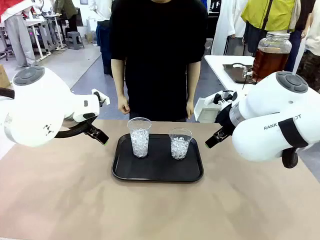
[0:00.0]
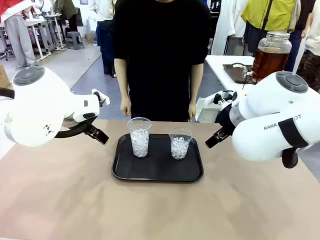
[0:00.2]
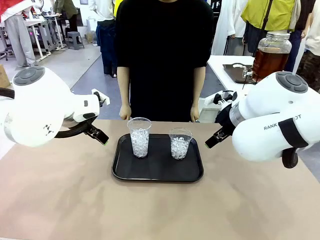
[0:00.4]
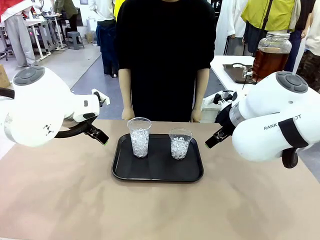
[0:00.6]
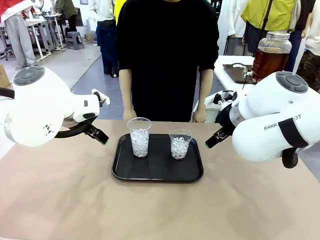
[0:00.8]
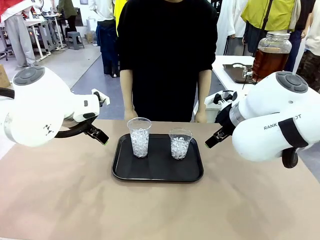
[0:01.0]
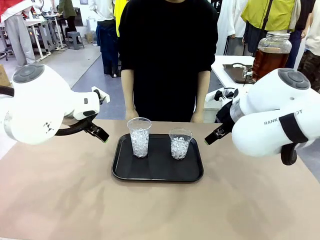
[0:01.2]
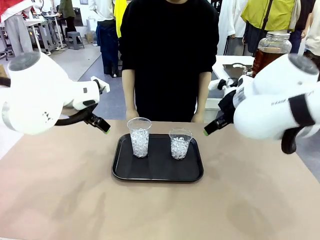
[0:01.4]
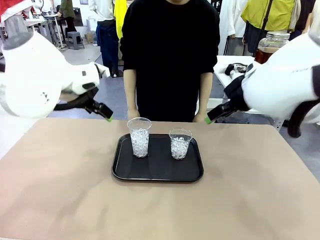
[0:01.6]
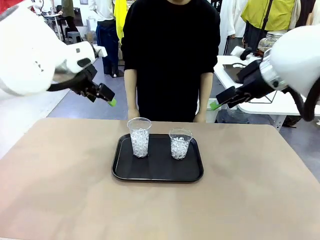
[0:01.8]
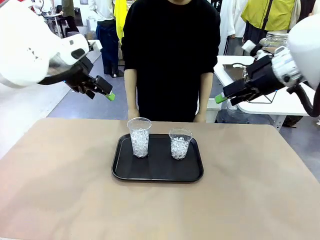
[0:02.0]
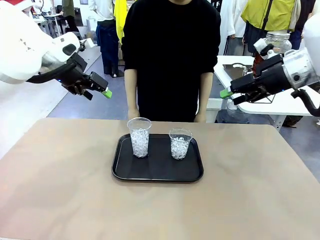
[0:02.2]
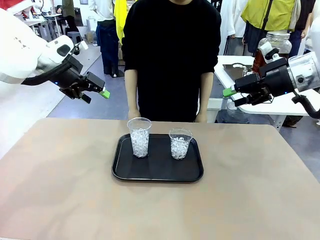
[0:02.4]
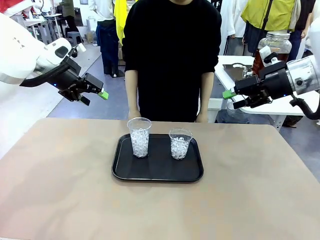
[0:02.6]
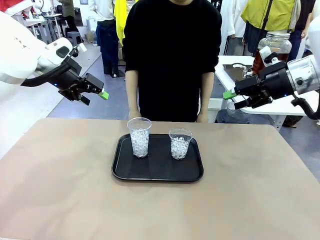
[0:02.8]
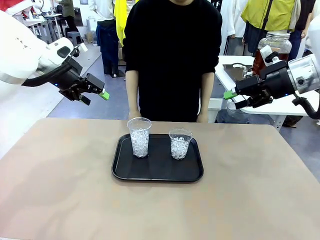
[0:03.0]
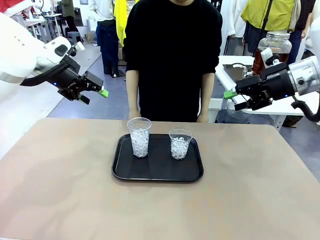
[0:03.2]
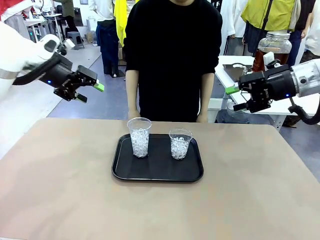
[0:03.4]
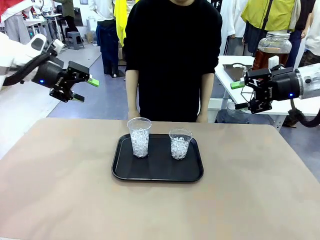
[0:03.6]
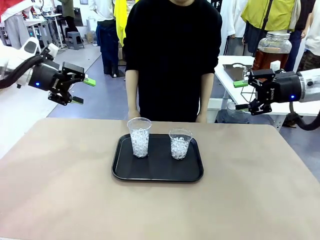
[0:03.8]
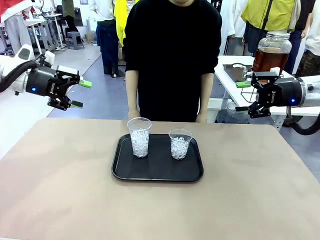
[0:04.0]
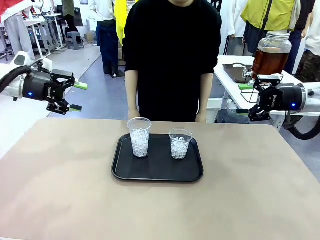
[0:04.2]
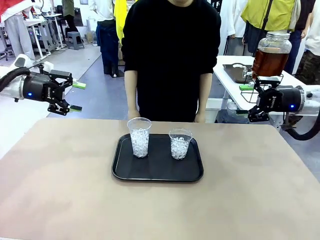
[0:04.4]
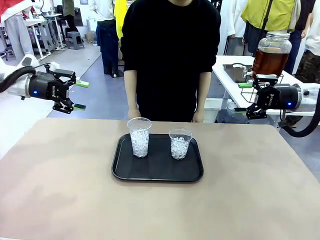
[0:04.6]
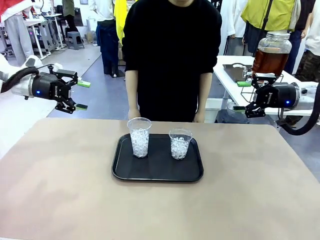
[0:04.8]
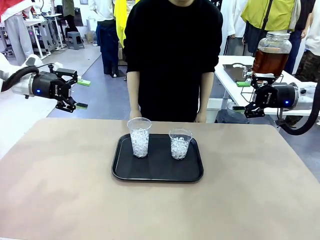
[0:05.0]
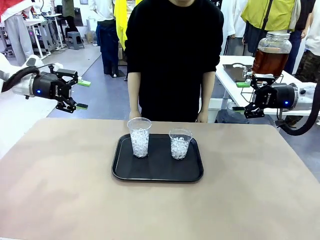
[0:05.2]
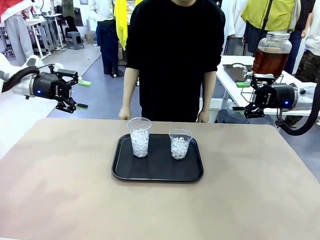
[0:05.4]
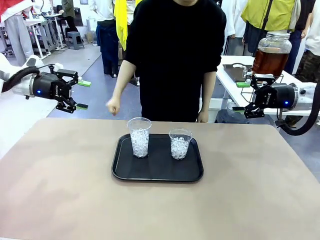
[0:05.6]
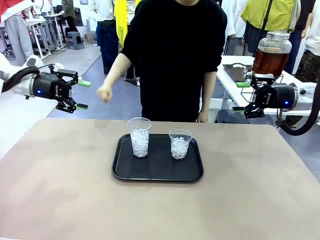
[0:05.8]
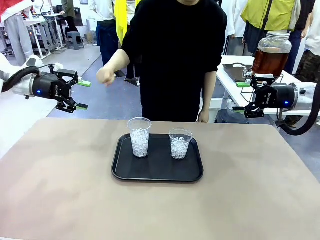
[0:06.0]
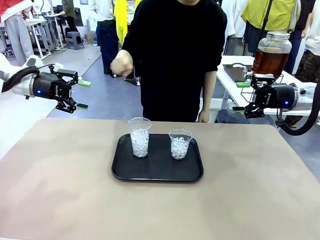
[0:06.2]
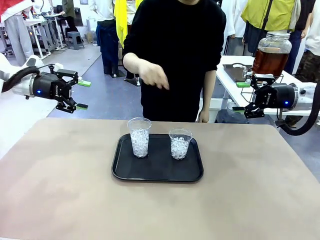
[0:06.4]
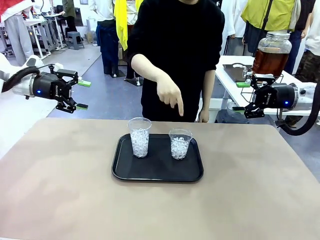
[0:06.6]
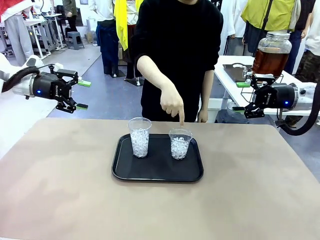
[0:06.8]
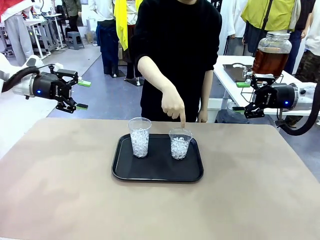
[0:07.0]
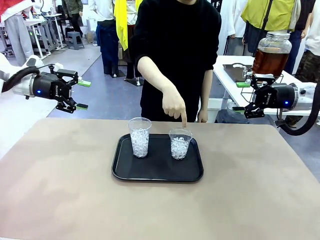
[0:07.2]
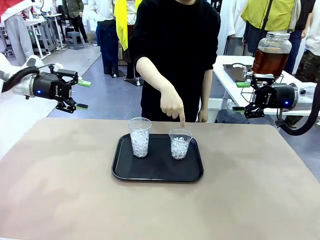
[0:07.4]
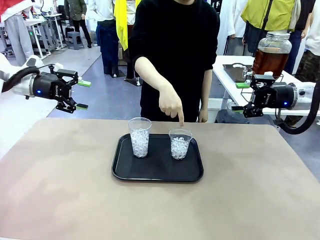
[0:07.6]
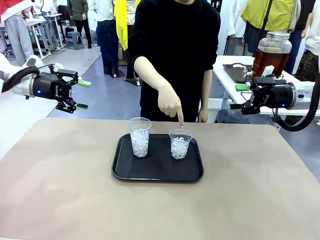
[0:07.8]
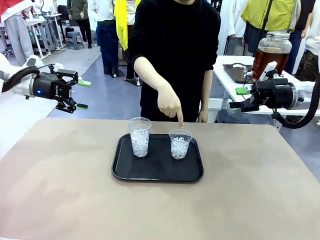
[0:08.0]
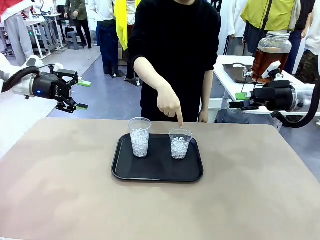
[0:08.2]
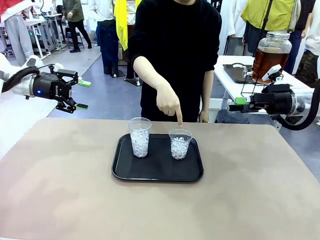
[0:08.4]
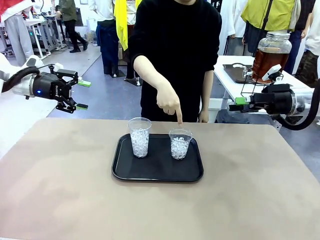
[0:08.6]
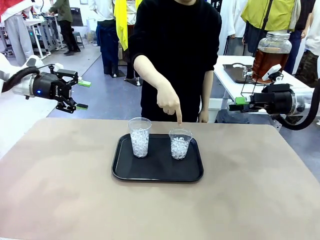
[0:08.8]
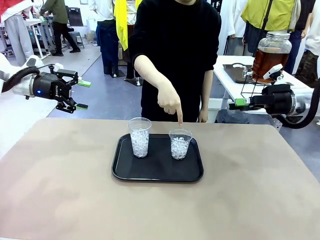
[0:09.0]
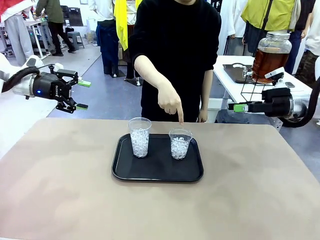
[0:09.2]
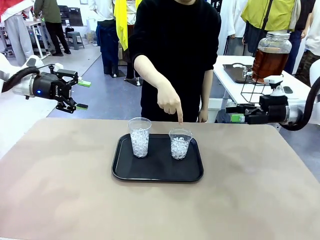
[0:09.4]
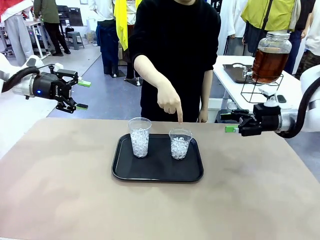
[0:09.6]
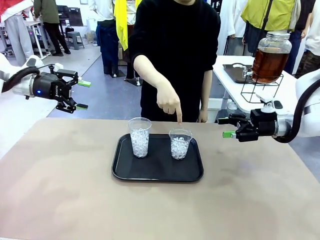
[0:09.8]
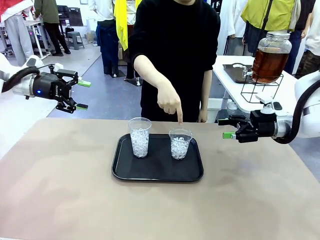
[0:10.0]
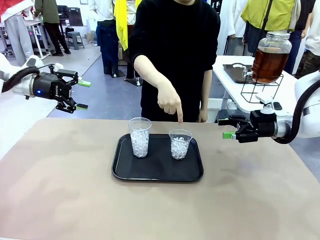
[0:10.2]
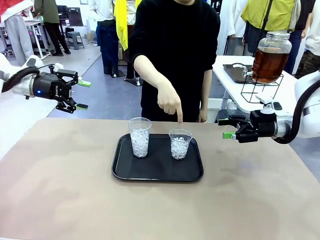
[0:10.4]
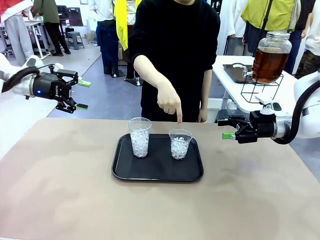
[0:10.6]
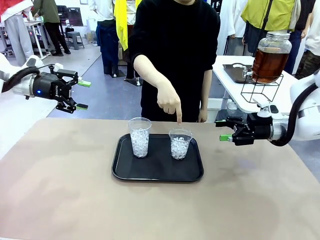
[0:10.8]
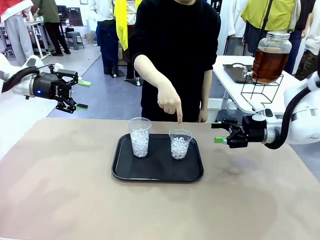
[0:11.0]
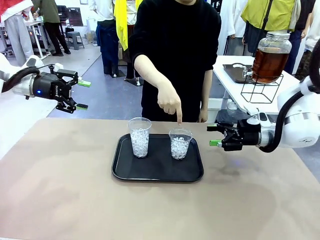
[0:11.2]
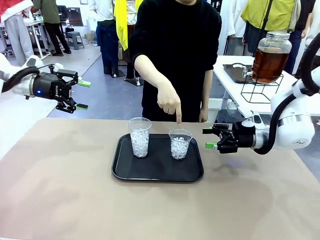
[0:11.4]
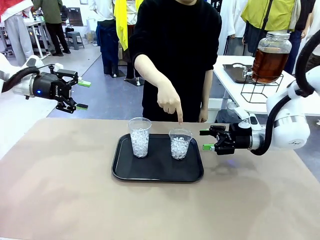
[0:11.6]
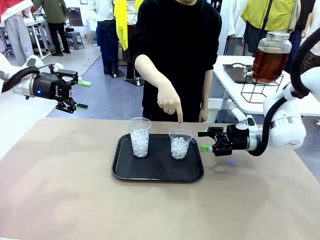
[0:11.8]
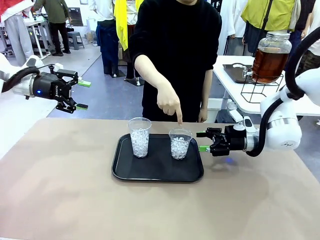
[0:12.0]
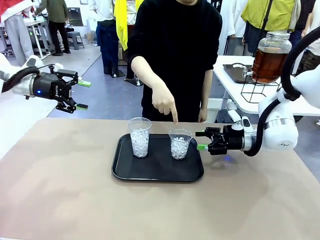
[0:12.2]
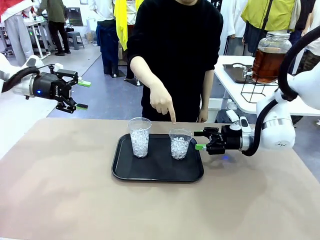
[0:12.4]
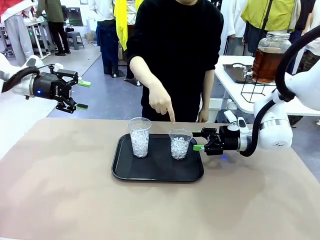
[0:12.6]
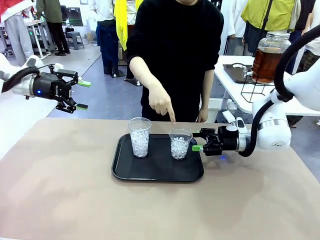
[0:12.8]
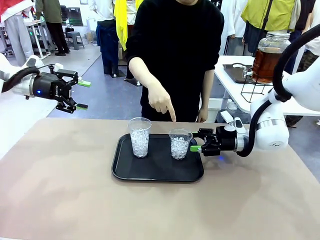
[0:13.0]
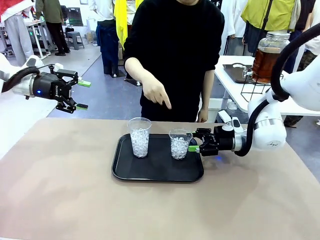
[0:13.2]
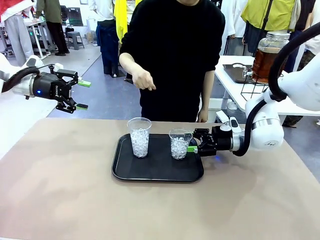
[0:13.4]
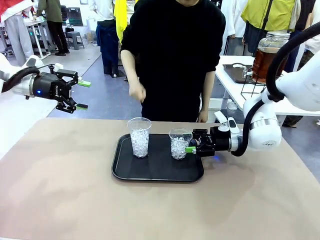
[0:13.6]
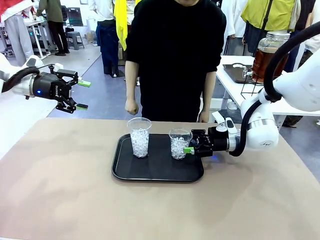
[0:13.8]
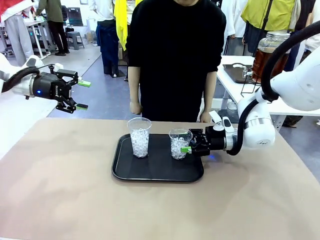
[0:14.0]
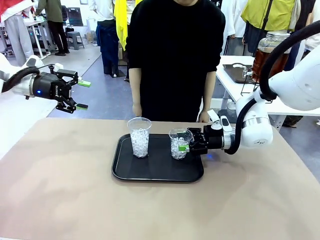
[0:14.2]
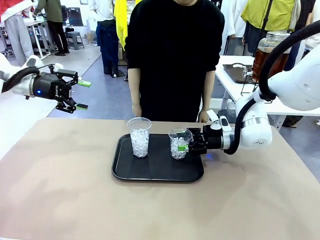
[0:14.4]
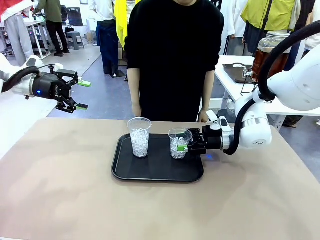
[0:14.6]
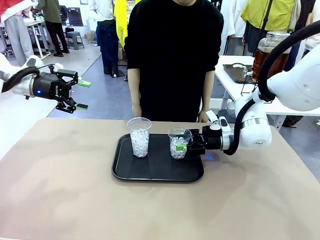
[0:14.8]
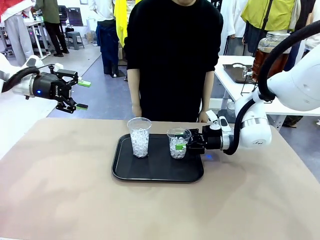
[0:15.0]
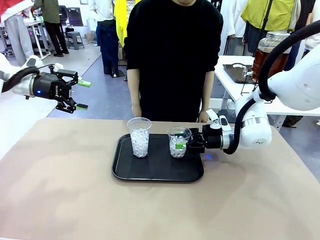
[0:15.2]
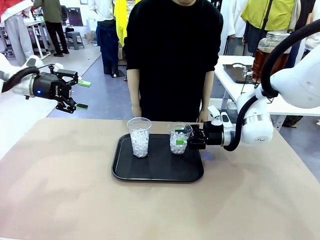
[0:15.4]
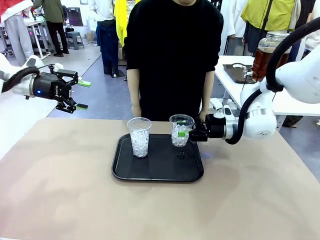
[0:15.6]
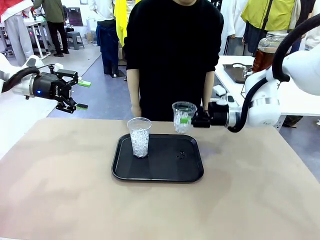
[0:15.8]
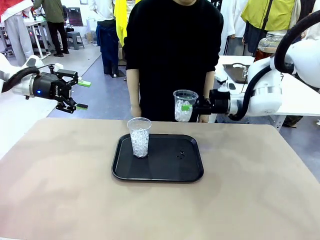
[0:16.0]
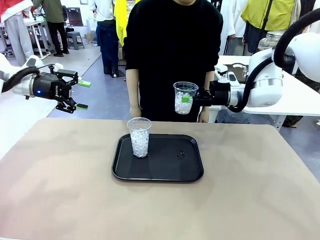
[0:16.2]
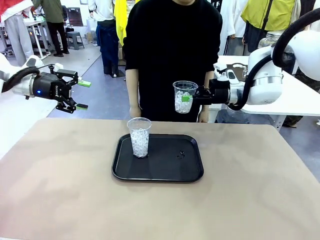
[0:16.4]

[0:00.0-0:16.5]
Task: Pour the drink into the iced cup.
Robot: Pick up the iced cup indicated by the human and present it to them.
Person: Point to one of the two ice cups. Pick up the cup offered by the robot.

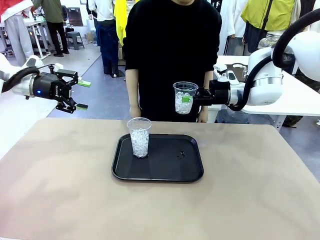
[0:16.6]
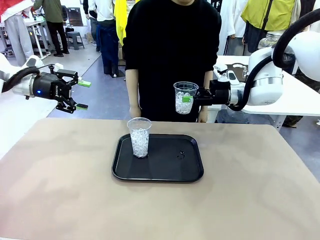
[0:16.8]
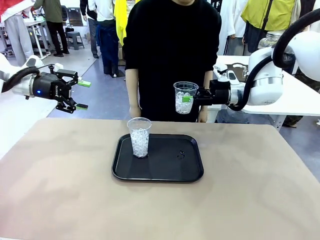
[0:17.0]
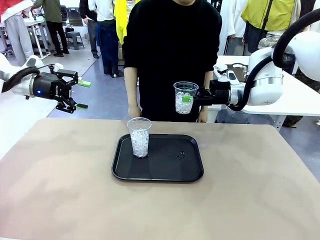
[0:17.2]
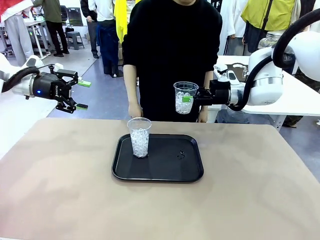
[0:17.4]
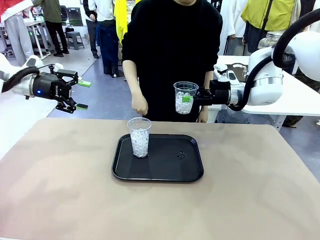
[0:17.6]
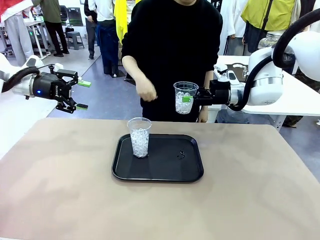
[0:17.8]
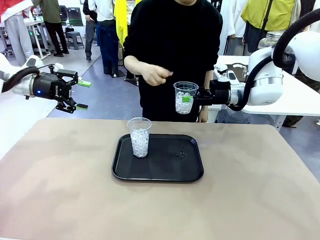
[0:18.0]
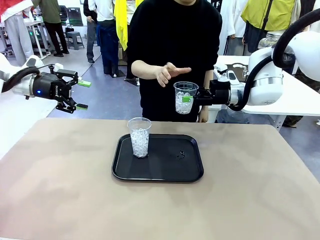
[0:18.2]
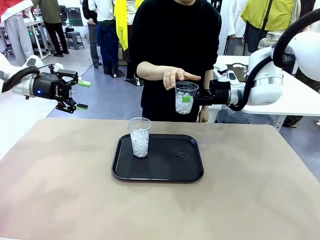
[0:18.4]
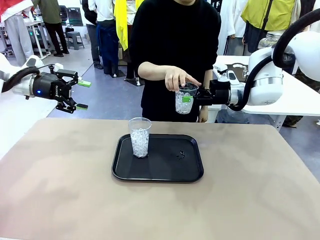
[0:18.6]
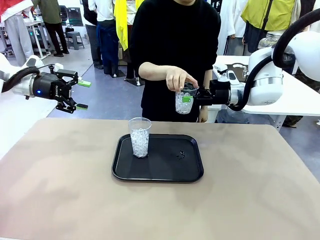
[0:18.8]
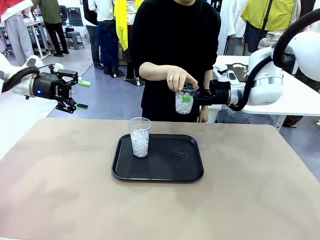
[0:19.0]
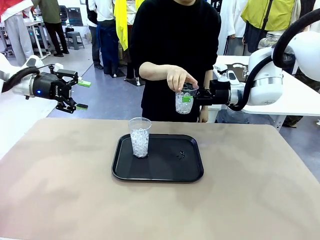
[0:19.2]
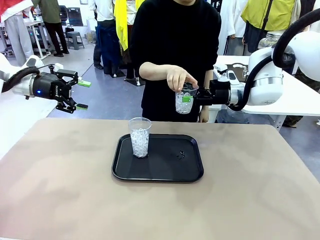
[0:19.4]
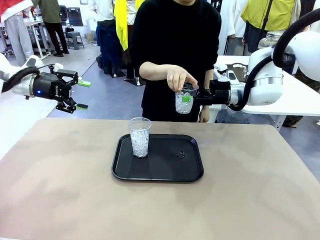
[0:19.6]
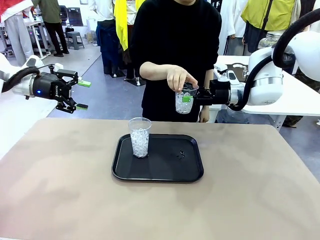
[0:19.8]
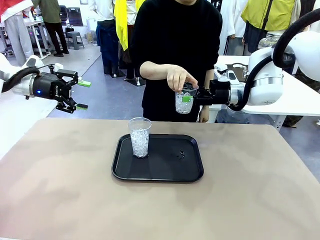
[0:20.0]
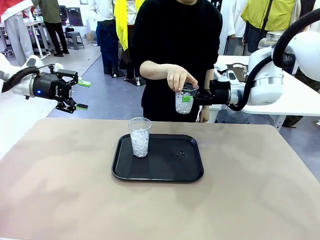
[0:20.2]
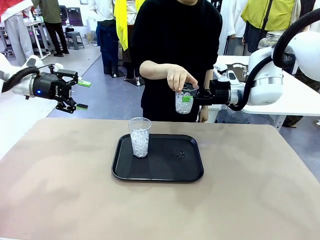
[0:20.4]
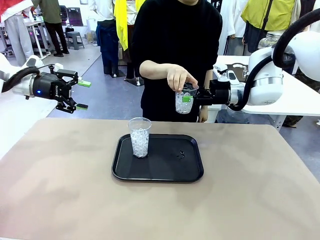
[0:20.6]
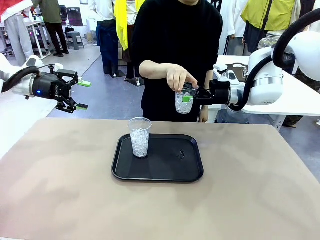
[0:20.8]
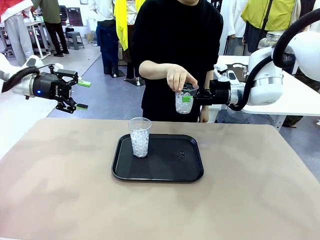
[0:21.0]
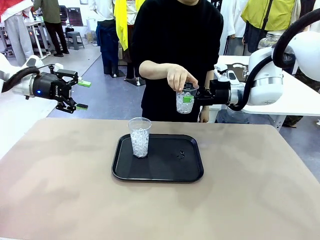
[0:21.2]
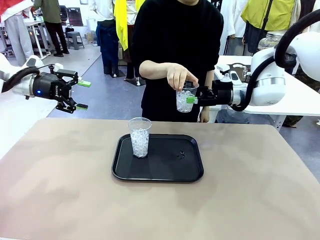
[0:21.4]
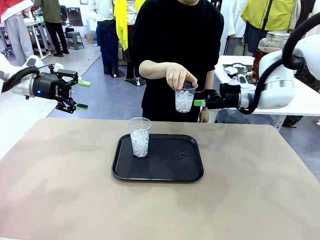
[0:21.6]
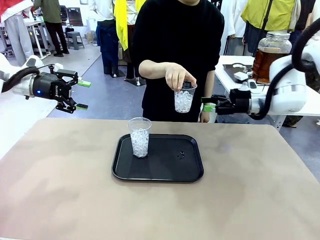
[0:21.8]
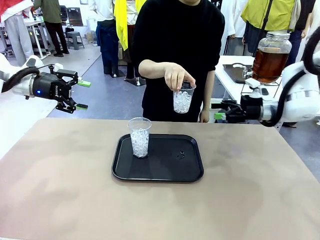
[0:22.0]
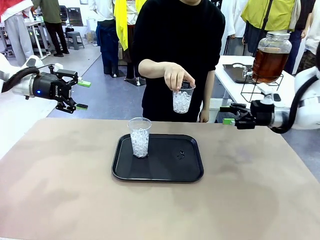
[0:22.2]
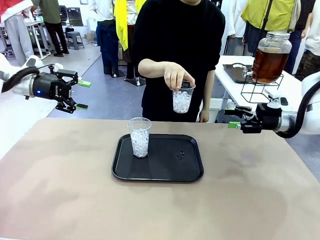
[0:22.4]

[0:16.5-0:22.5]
Robot: Open the gripper to release the iced cup you were holding.
